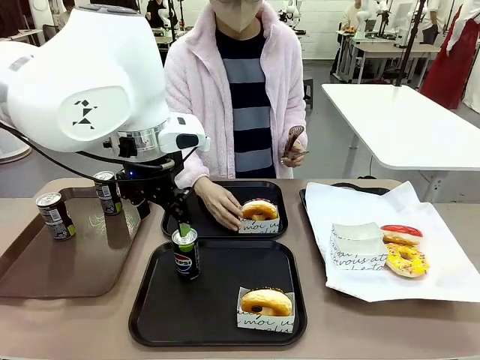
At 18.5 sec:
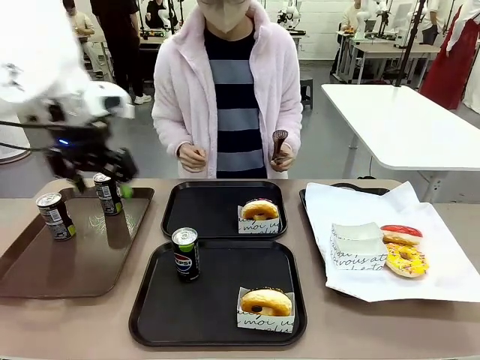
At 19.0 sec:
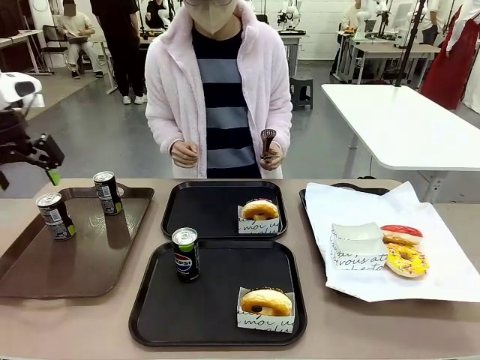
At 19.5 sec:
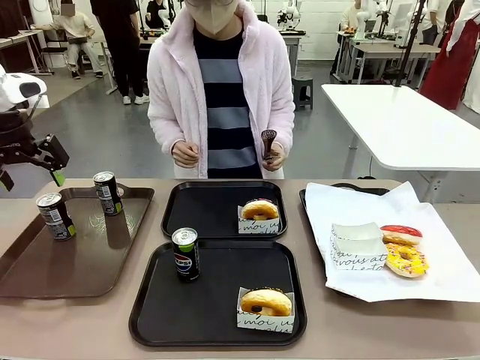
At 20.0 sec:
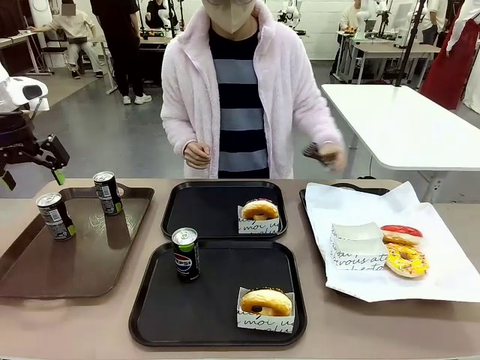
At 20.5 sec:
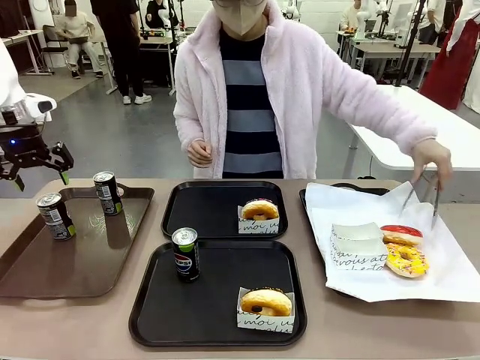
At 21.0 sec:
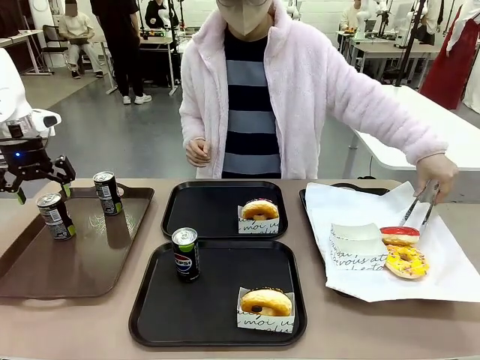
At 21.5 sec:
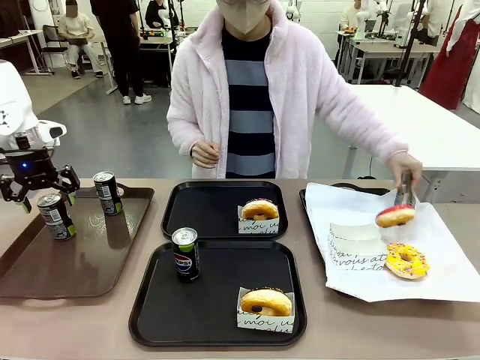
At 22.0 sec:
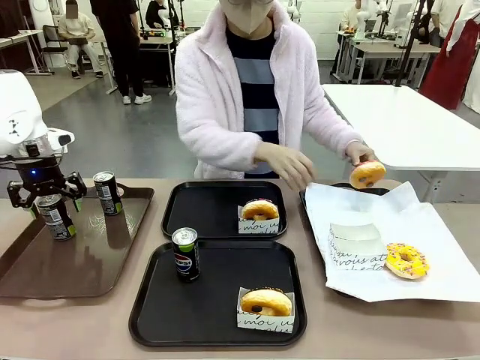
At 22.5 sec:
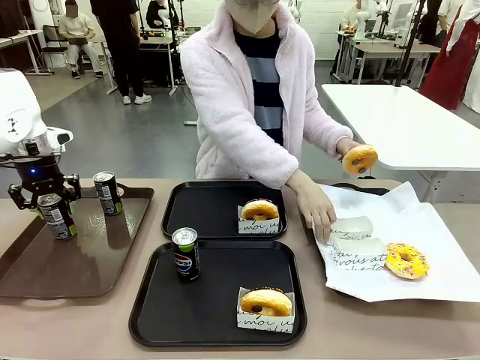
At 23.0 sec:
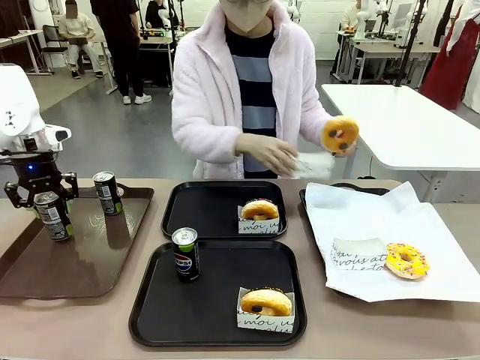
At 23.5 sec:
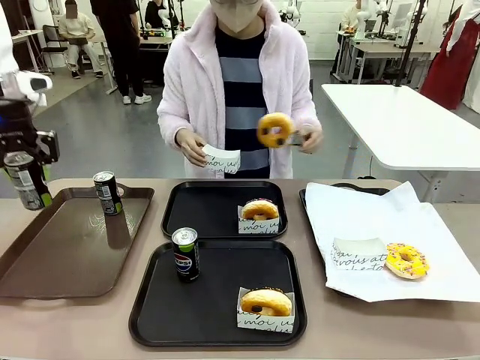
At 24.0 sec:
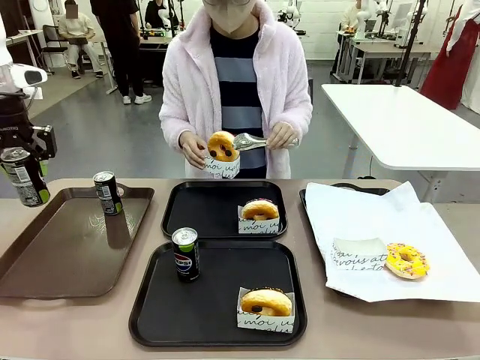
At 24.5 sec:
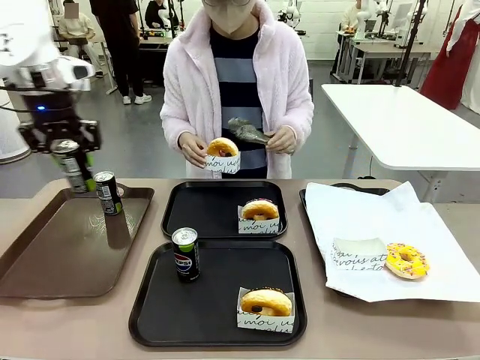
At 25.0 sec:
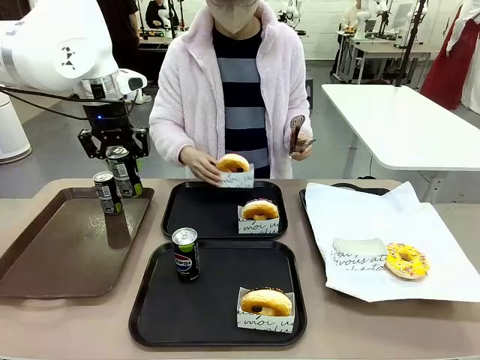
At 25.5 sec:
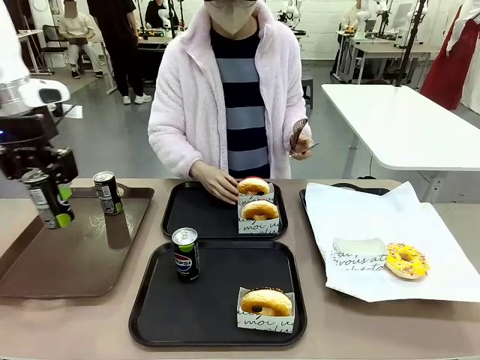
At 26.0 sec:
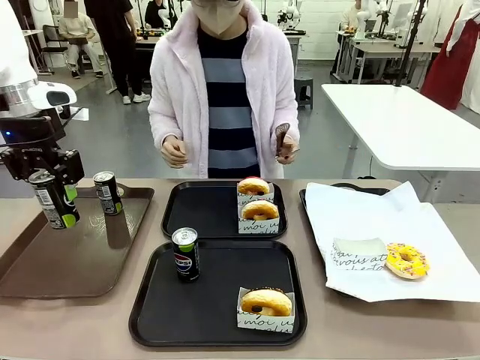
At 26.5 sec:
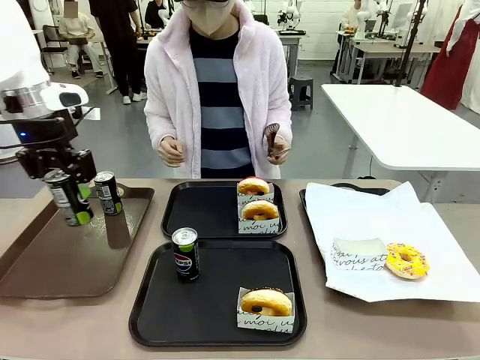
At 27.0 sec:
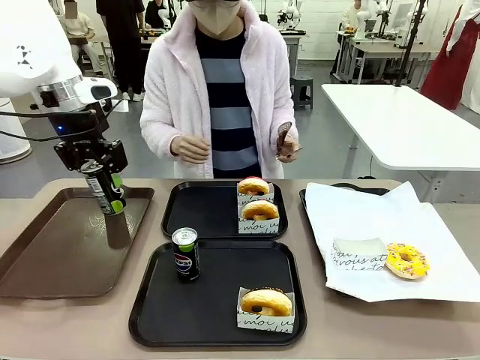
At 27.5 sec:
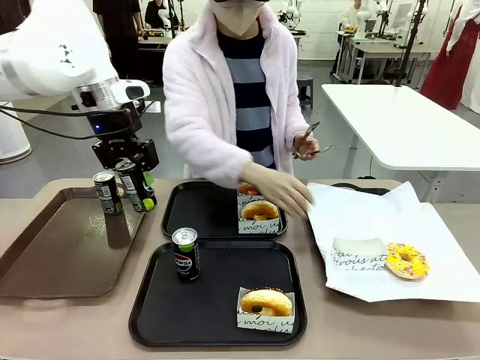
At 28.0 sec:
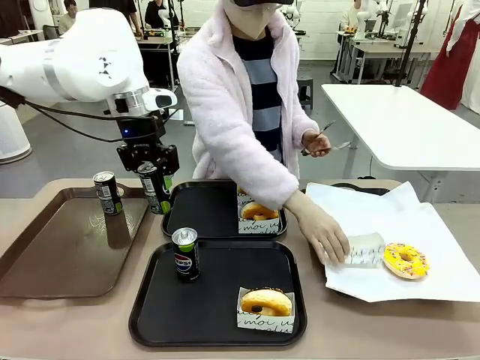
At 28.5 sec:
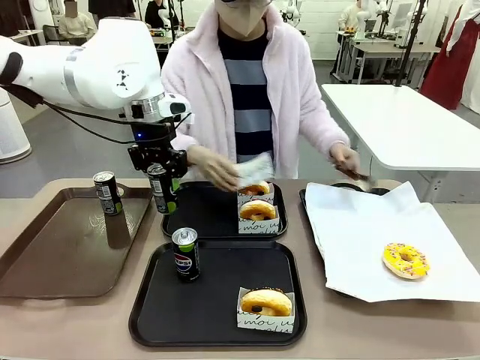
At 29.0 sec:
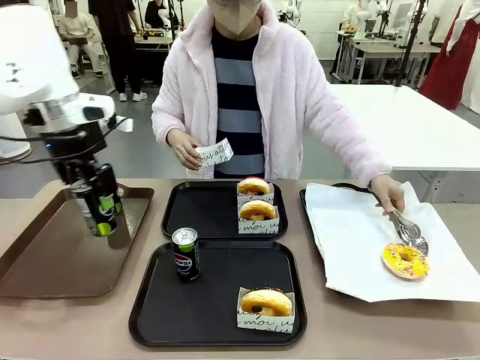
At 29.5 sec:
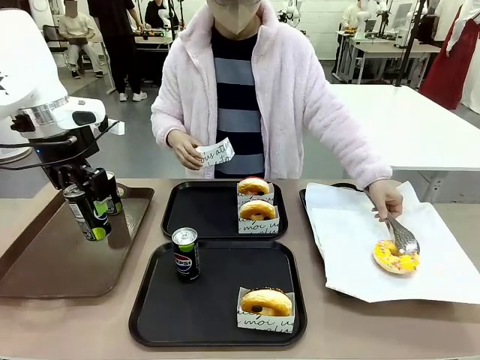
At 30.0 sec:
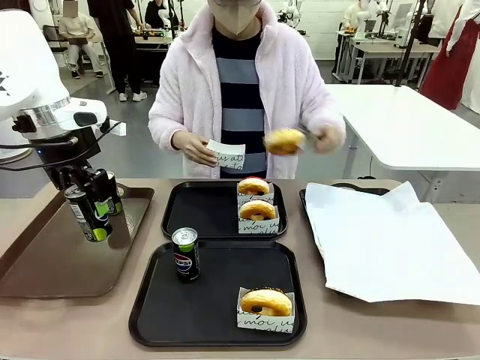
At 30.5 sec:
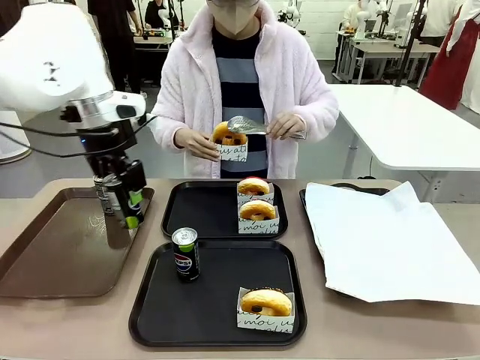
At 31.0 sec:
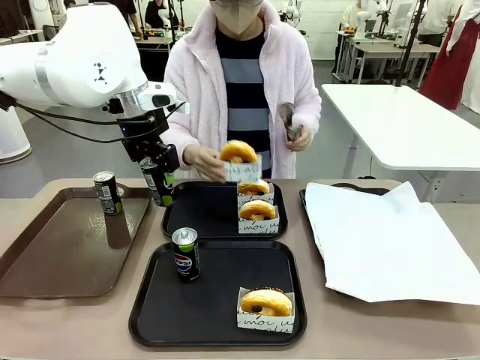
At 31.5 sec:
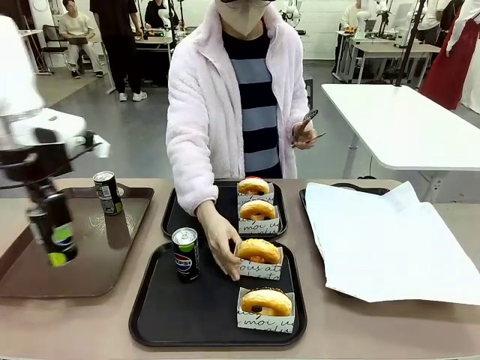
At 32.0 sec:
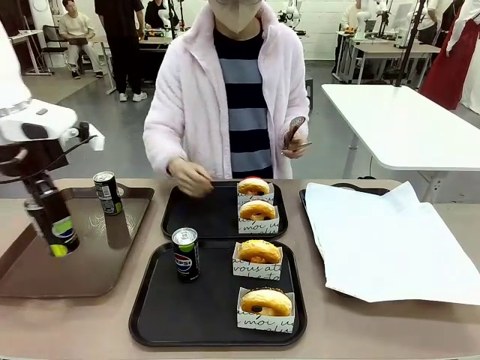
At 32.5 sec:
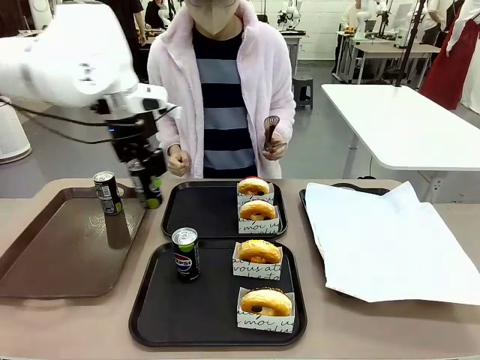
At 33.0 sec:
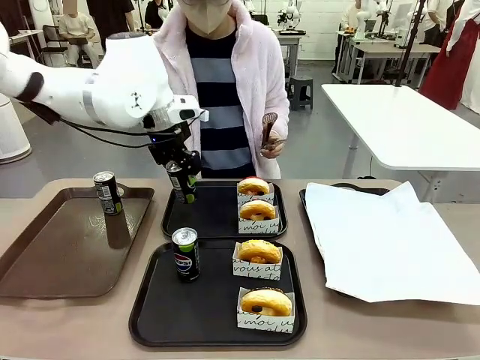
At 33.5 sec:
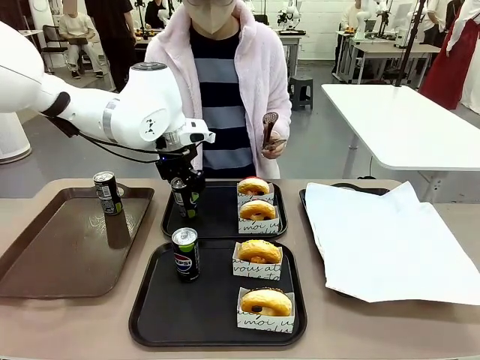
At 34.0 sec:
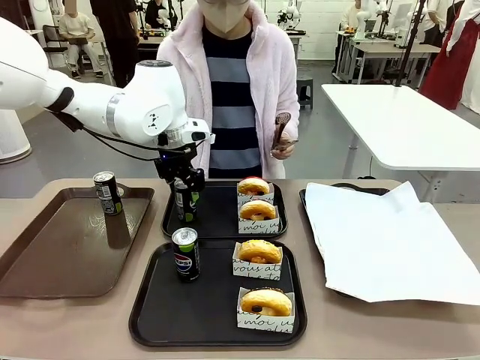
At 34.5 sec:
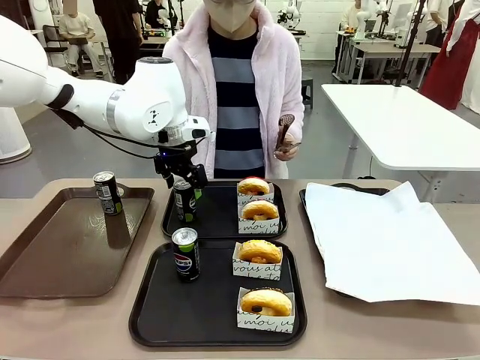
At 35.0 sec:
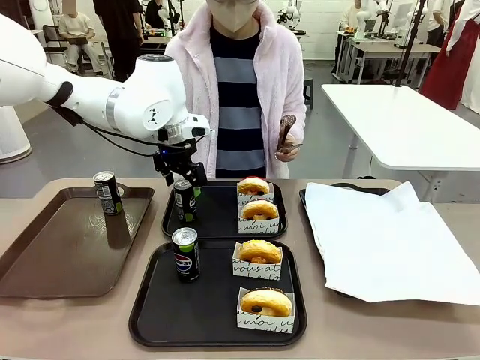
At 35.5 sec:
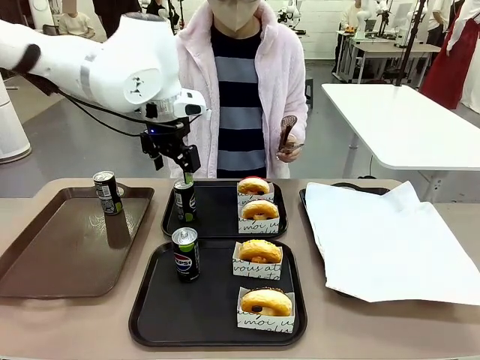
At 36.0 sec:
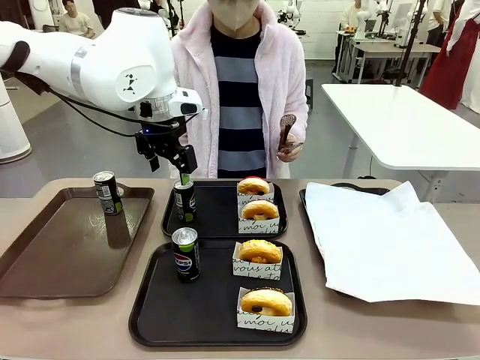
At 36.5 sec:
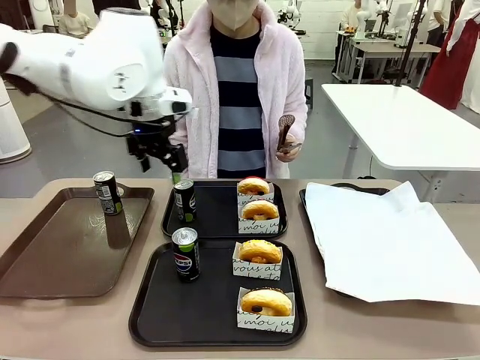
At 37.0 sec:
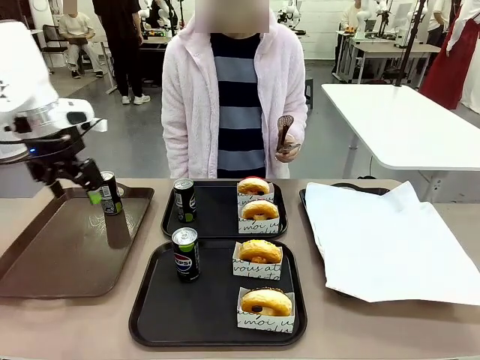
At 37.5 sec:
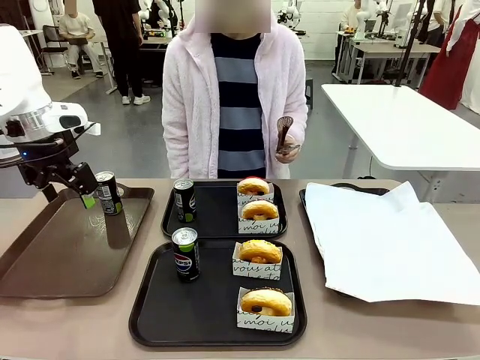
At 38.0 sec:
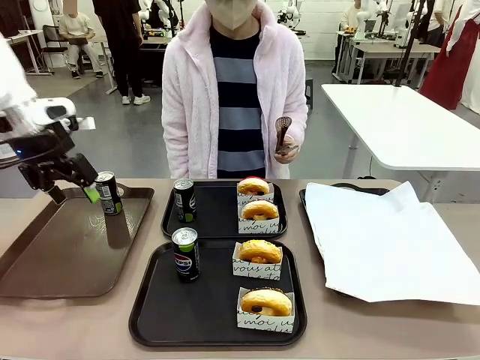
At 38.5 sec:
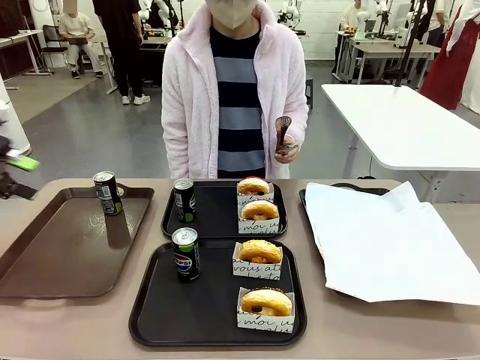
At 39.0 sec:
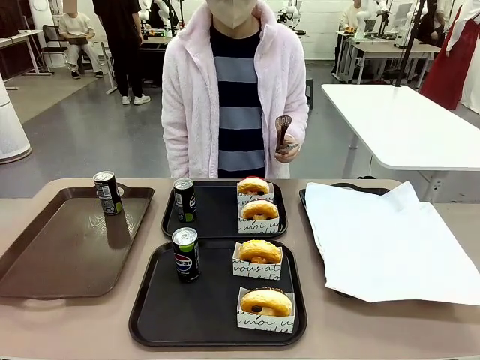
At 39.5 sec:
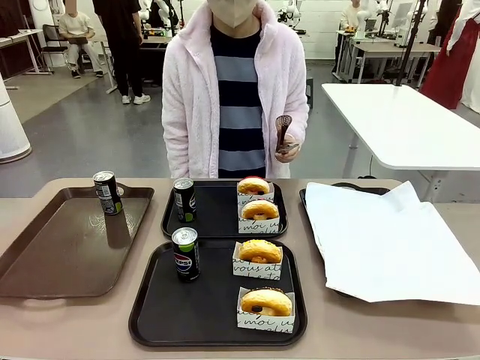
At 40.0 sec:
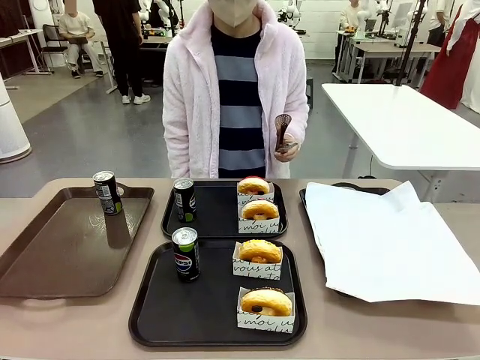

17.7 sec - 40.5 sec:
Task: Set up donuts and drinks on trays.
Robot: Pick up one Pepsi coke from the Handle tray and place it on the Flat Tray without a Pepsi coke.
Person: Pick up one donut with tongs, place it in the donut tray, and then place the donut tray on the flat tray.

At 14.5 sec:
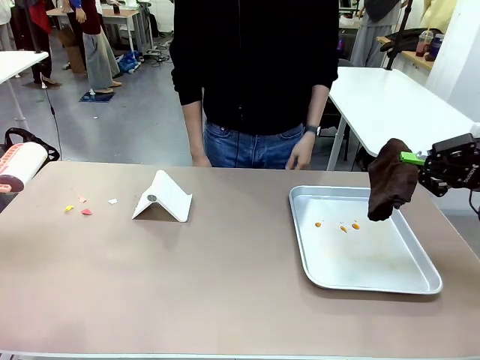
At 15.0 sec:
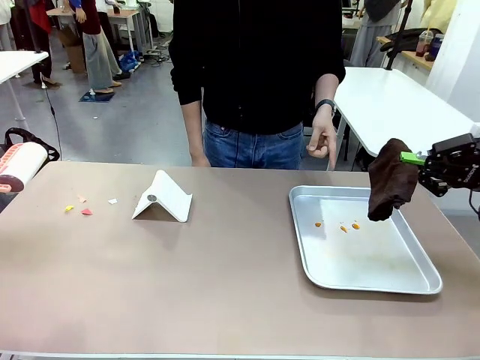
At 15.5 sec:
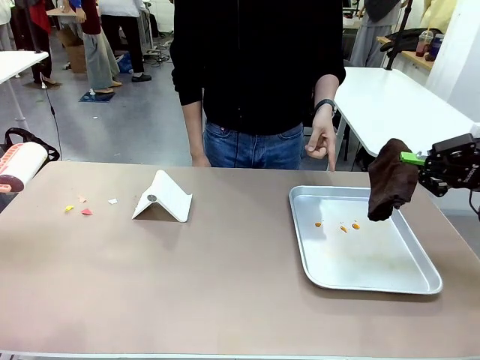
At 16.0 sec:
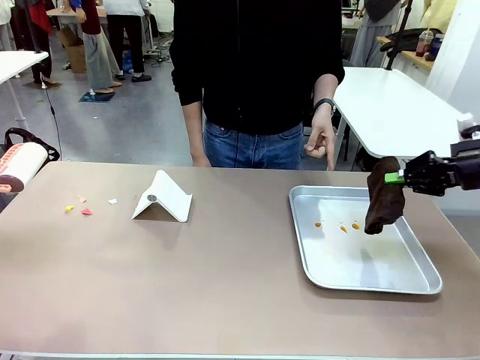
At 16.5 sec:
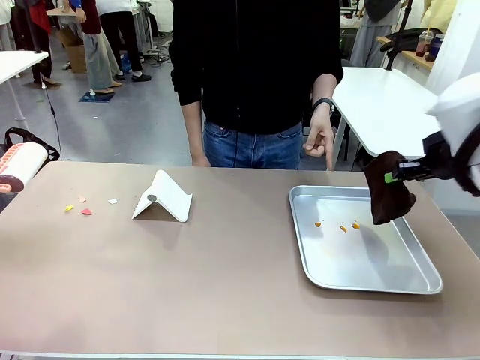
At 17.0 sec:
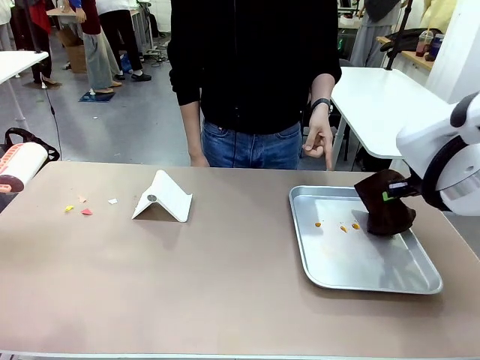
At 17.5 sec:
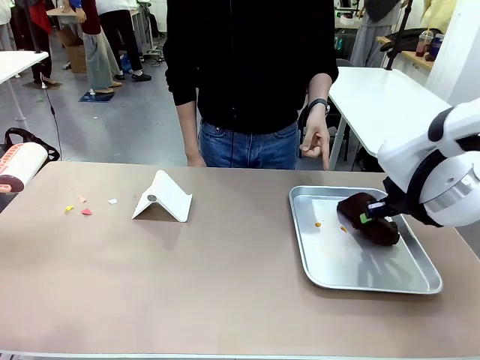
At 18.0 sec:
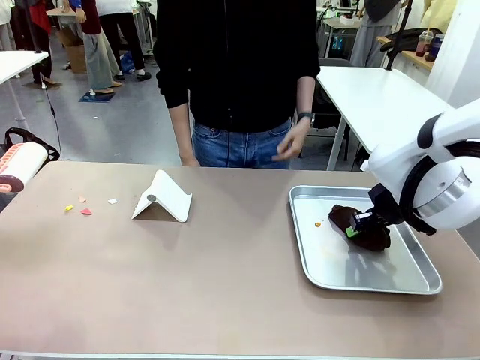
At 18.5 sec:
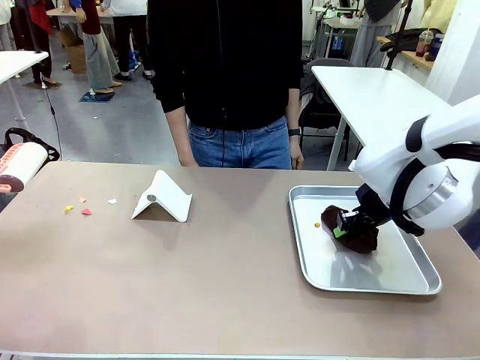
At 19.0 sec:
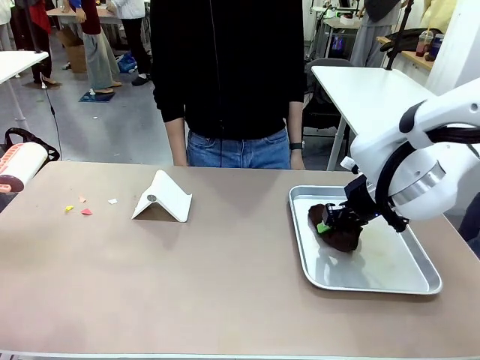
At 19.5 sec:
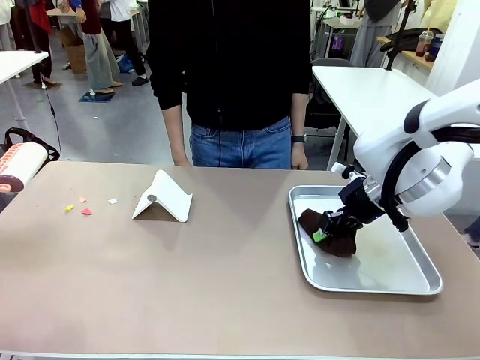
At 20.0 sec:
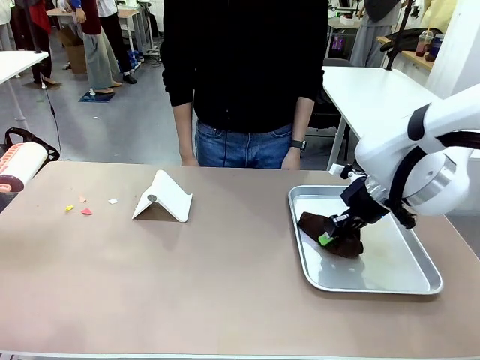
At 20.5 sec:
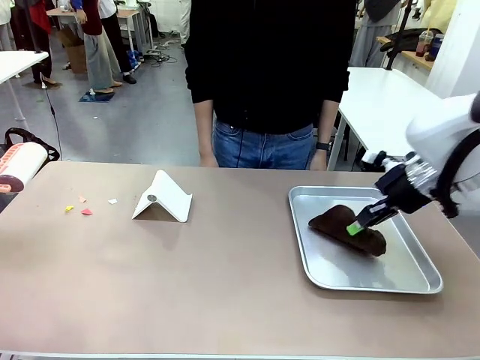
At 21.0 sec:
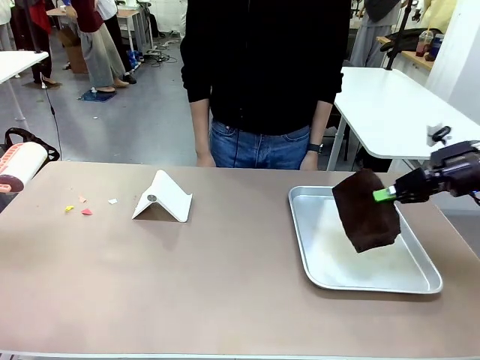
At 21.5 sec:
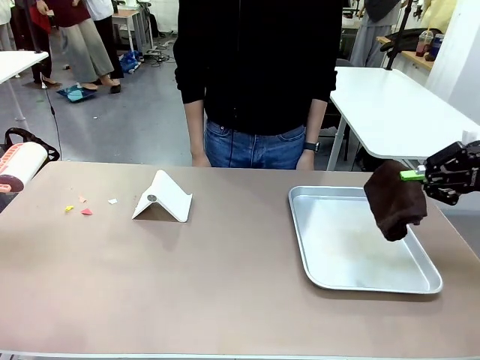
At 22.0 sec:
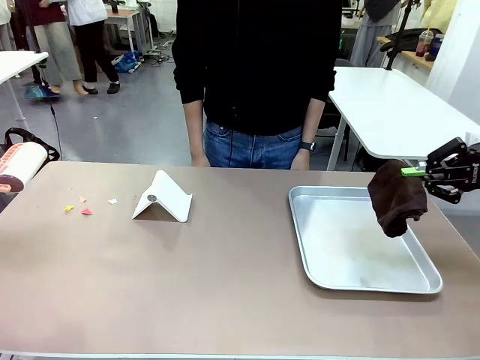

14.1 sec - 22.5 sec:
Task: Clean the surface of the table.
Robot: If a person points to the right, clean the right side of the table with your right hand, and if they point to the left, clean the left side with your left hand.
